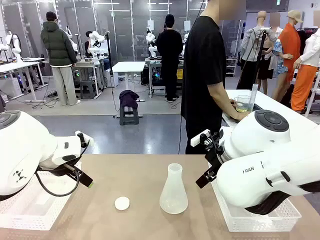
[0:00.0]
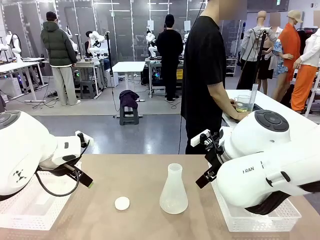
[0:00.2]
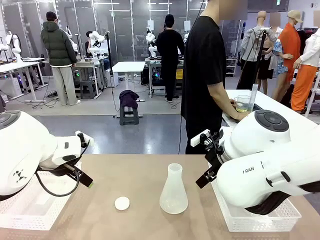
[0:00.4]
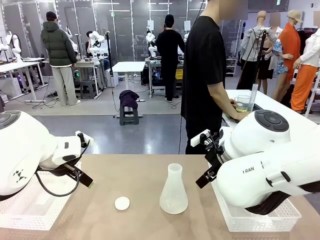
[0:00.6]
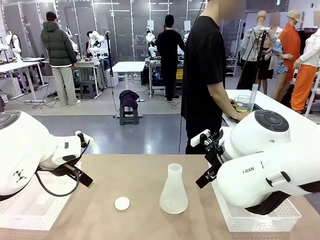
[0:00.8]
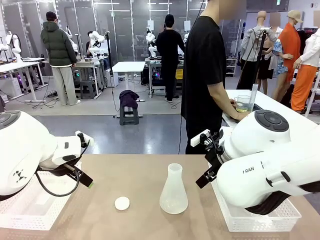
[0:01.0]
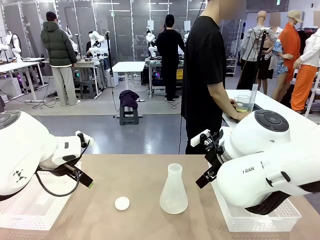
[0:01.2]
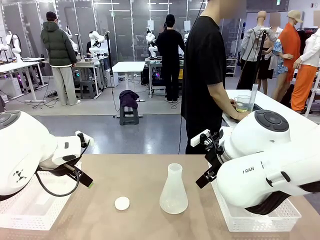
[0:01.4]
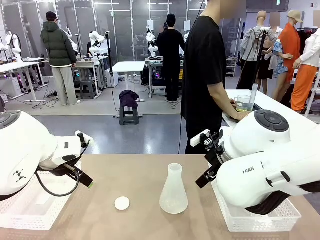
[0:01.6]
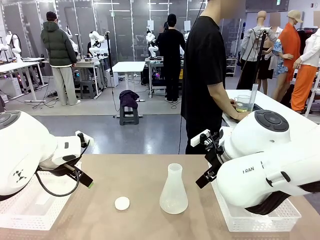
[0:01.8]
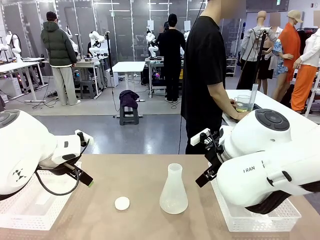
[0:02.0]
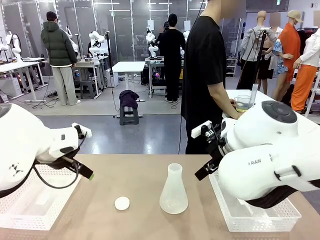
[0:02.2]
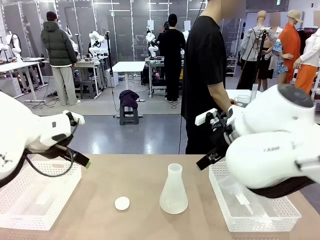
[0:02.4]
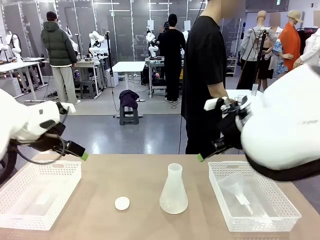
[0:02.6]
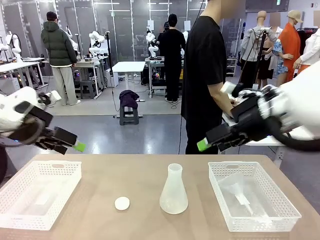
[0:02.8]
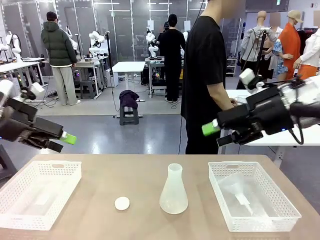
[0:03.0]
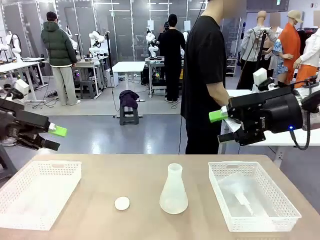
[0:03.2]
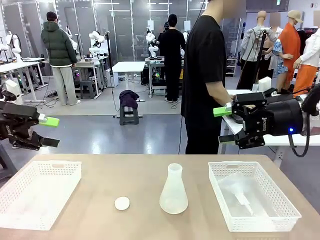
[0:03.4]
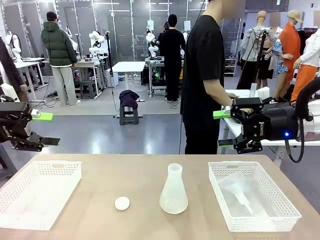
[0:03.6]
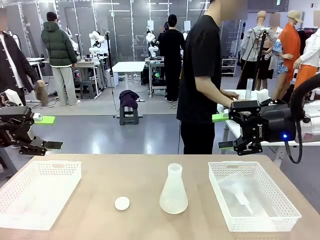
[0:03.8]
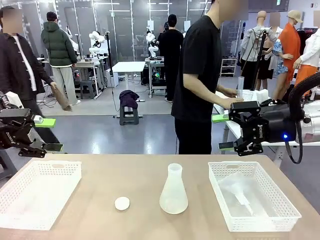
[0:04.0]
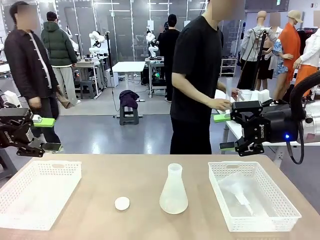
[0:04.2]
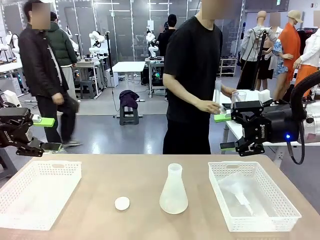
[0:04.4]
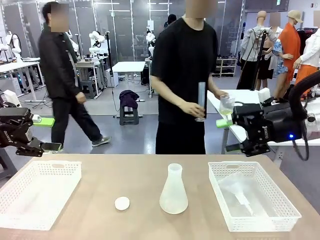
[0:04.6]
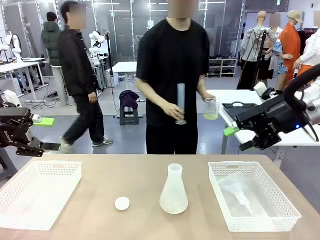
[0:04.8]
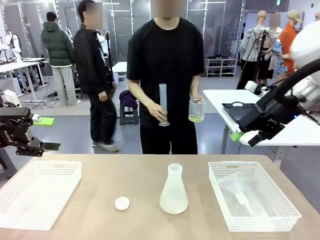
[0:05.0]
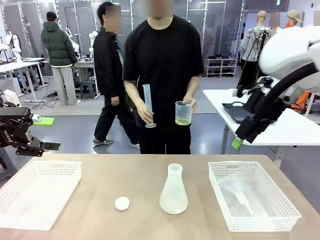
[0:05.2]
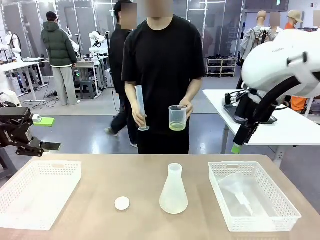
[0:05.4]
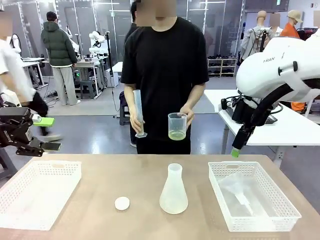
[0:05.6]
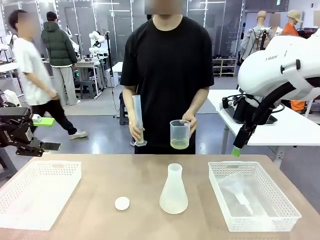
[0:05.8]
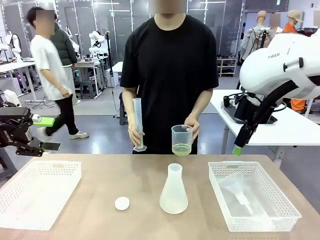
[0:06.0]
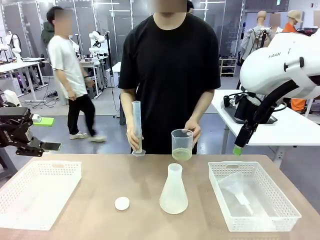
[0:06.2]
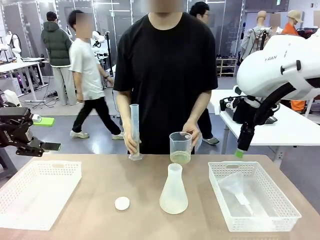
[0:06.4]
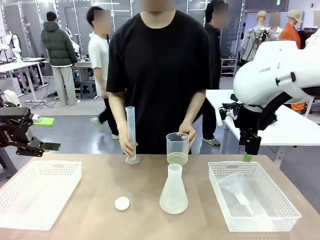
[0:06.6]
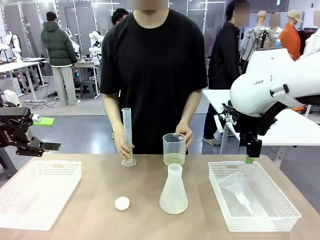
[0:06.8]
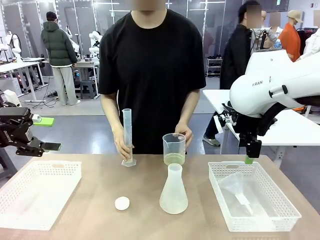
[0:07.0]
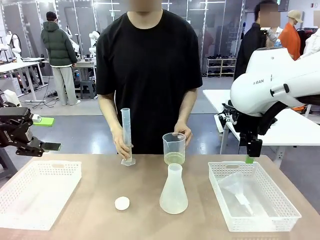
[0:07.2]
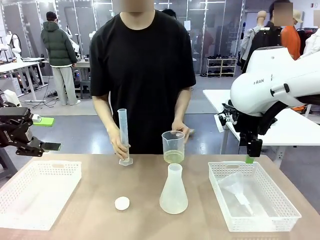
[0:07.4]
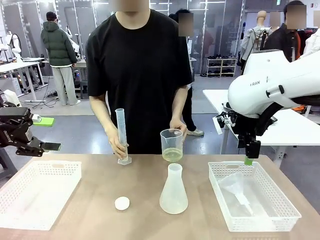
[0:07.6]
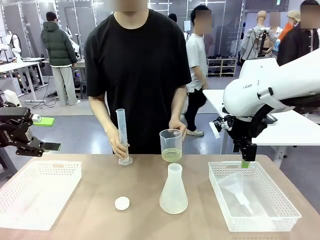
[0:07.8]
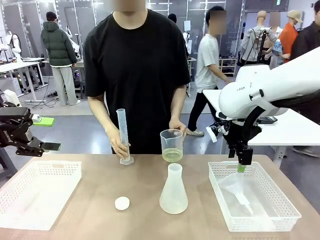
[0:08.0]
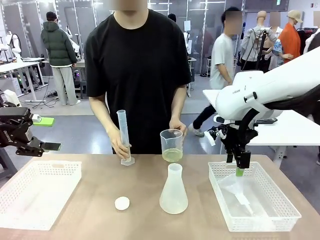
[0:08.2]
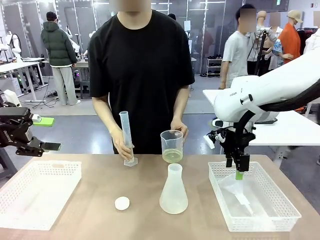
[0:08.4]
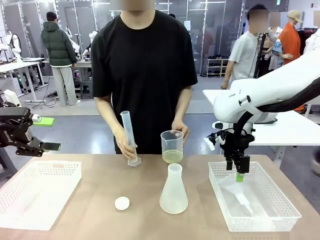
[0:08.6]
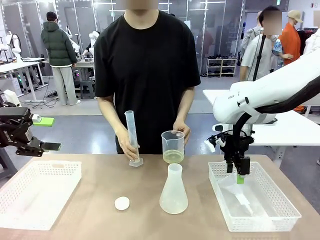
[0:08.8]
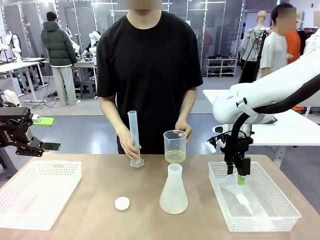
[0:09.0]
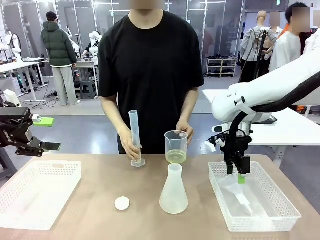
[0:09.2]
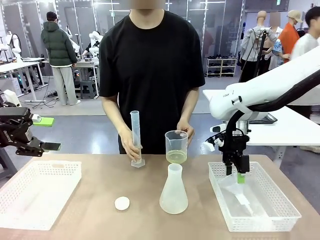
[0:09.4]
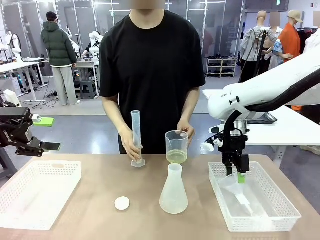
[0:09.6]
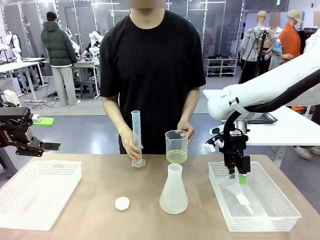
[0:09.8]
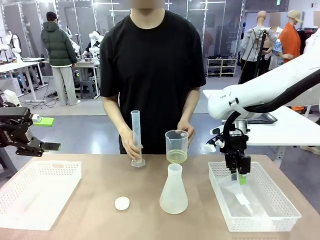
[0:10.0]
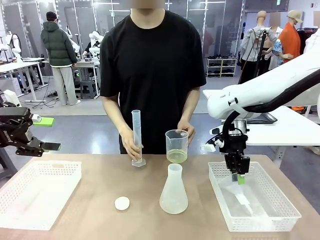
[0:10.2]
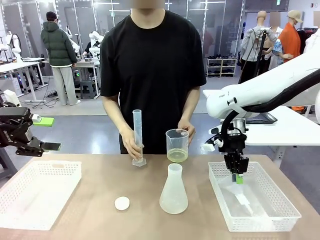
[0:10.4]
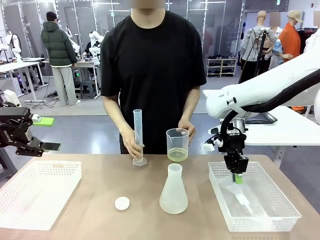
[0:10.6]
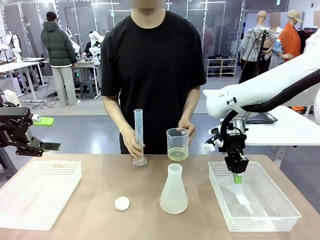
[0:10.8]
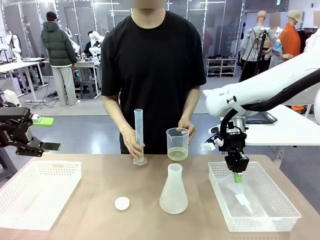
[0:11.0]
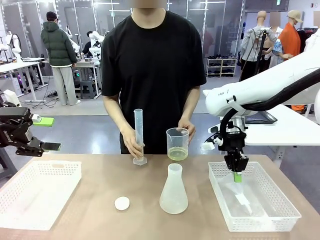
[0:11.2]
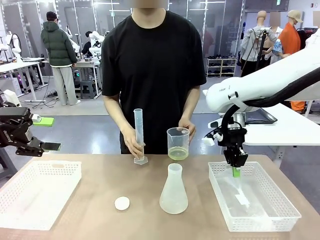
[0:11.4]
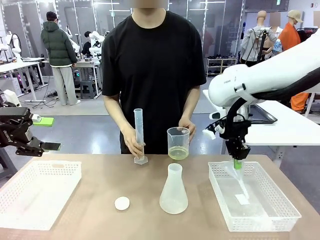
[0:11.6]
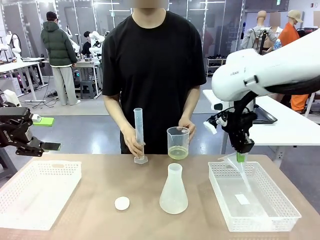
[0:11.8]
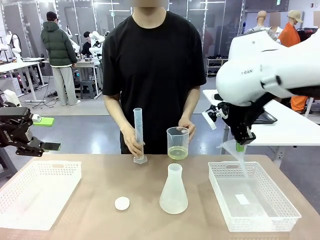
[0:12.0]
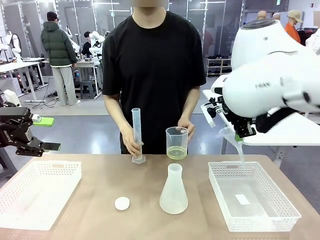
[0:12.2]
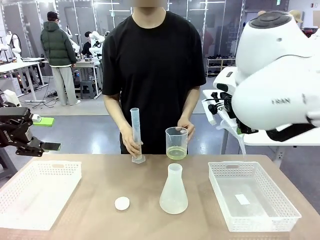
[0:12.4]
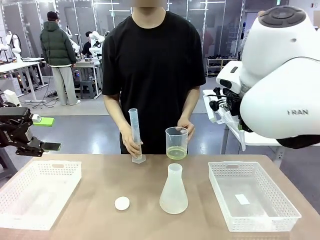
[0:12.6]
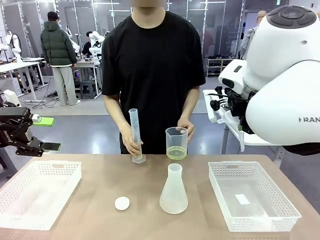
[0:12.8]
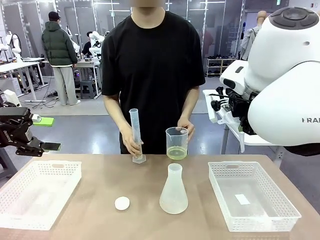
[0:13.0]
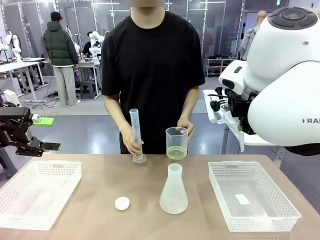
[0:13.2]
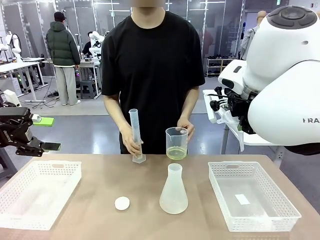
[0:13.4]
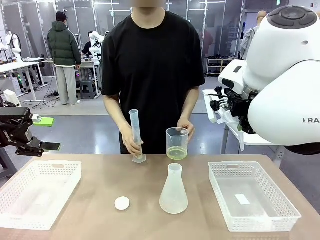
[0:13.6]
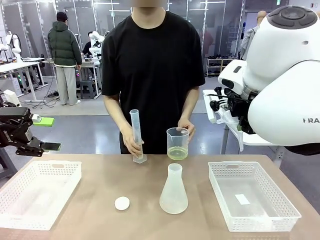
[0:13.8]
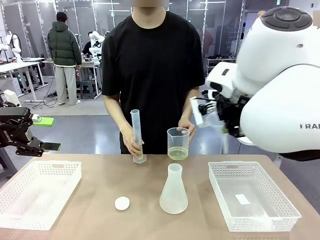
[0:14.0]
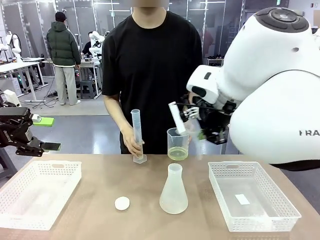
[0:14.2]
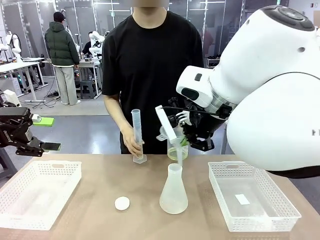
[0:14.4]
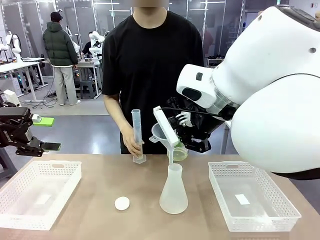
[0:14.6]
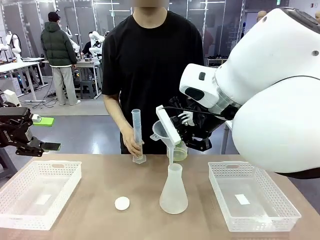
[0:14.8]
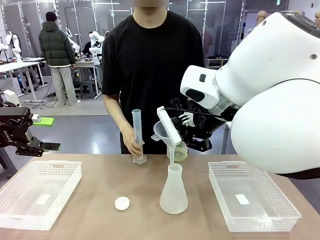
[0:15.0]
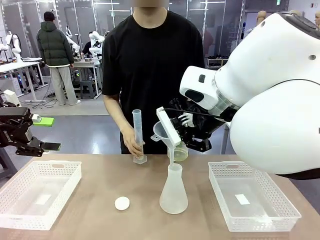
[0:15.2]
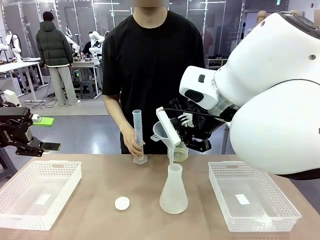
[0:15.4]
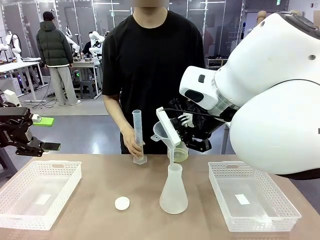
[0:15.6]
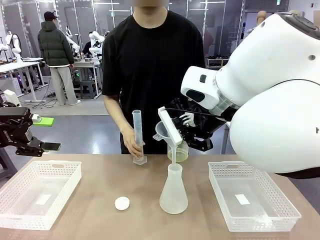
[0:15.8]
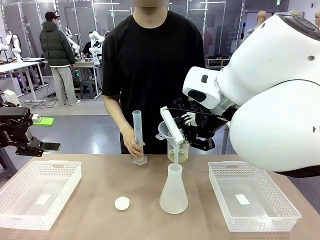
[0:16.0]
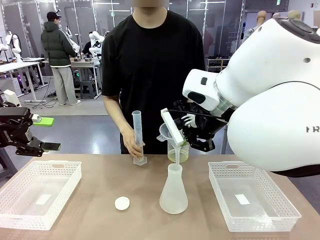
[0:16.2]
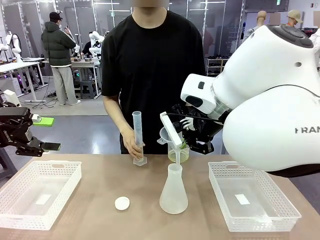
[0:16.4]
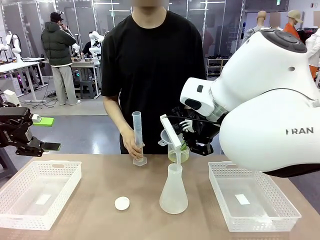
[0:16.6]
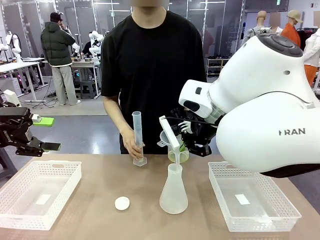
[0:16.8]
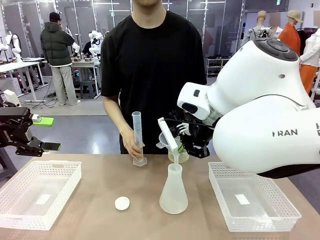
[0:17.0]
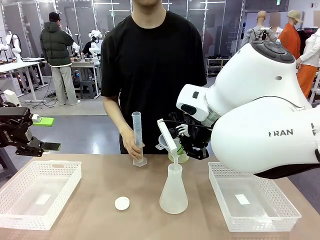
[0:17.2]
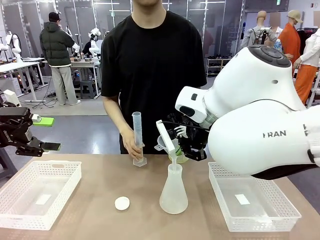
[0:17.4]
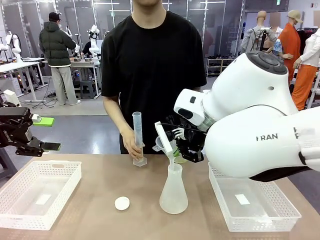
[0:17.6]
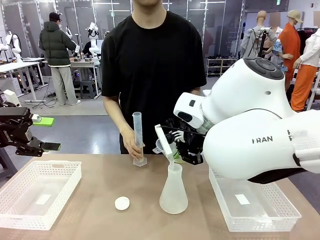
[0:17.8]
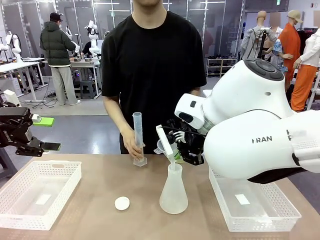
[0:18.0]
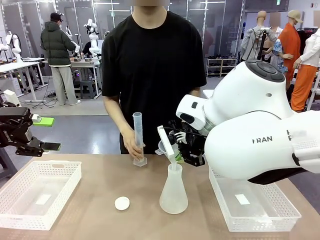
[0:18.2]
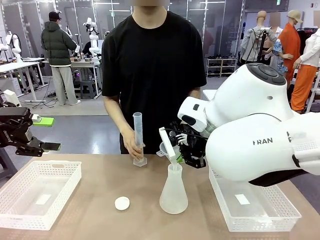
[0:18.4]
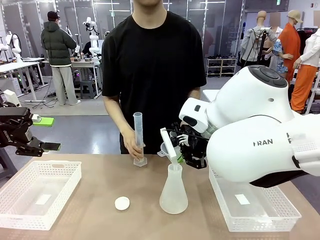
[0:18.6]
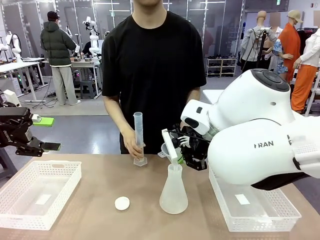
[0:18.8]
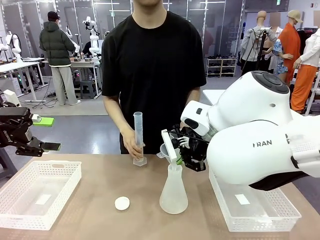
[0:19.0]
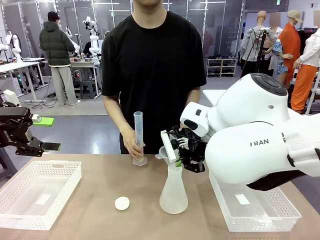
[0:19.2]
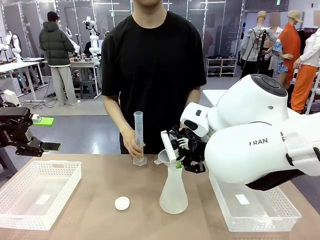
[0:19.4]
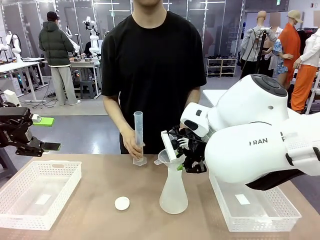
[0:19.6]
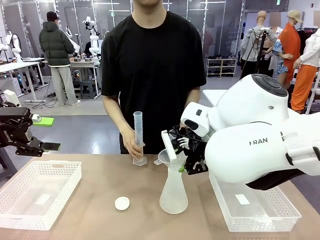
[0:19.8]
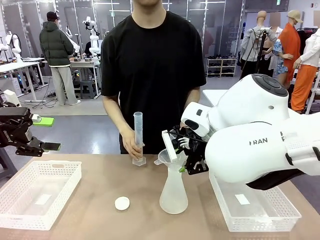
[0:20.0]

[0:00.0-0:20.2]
Task: Prepare the solutions needed for the experiment.
Robot: Pick up the Plastic Funnel and insert it into the Big flask.
Person: Pick up the beaker and the cylinder and move to the middle of the robot table. Pour the solution from the beaker and the cylinder into the flask.
